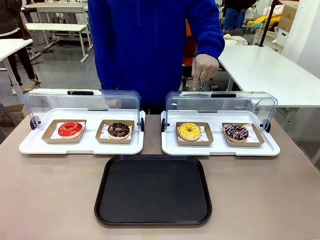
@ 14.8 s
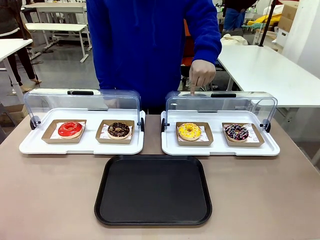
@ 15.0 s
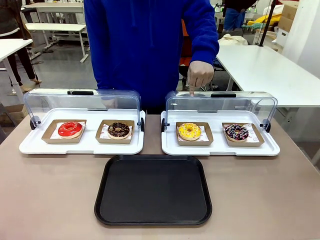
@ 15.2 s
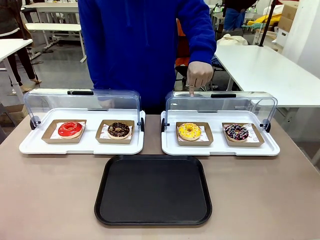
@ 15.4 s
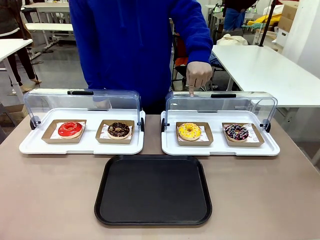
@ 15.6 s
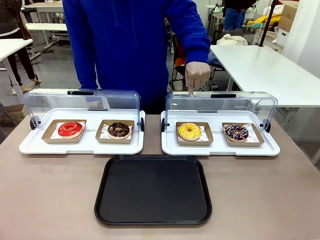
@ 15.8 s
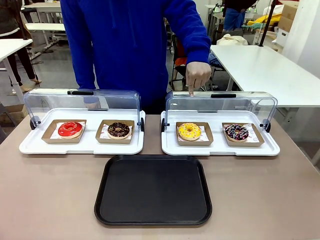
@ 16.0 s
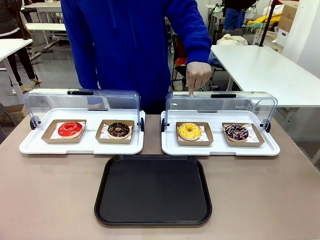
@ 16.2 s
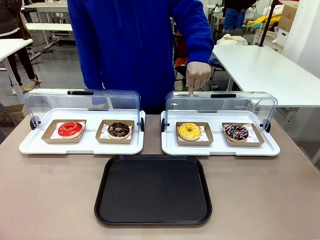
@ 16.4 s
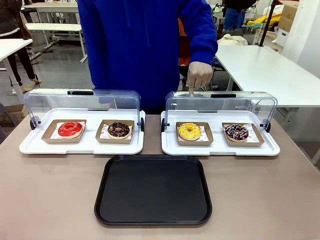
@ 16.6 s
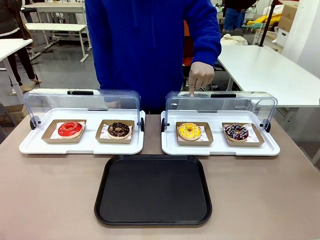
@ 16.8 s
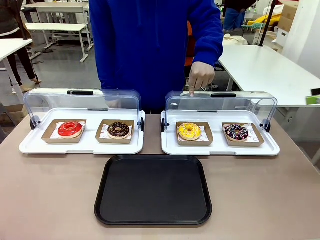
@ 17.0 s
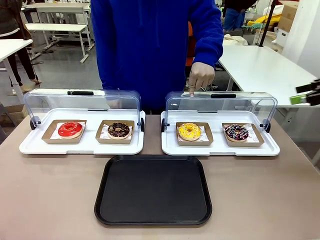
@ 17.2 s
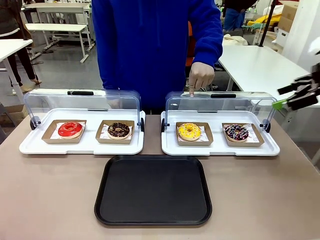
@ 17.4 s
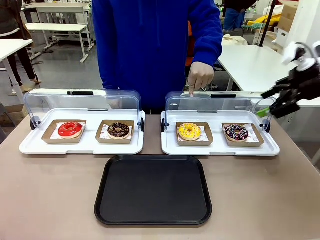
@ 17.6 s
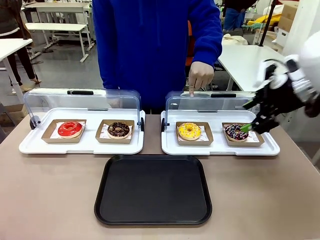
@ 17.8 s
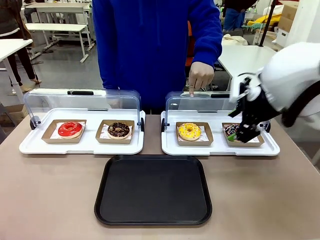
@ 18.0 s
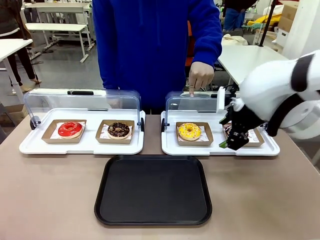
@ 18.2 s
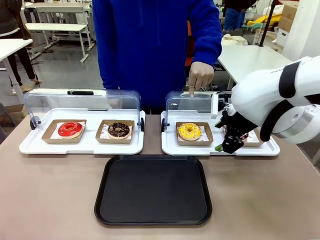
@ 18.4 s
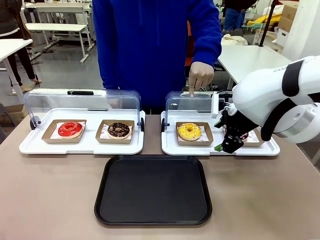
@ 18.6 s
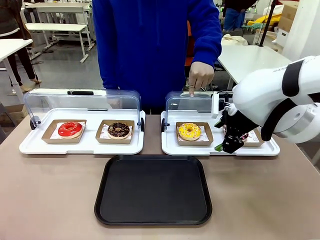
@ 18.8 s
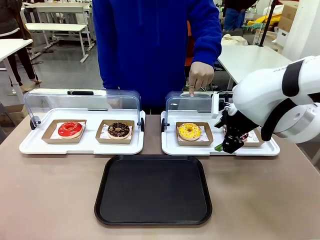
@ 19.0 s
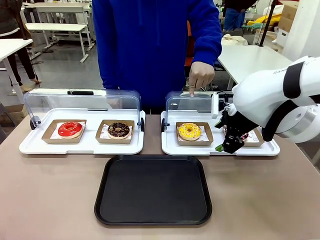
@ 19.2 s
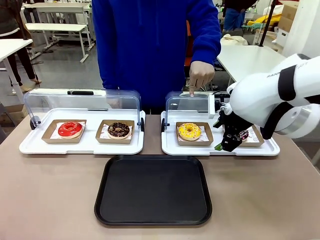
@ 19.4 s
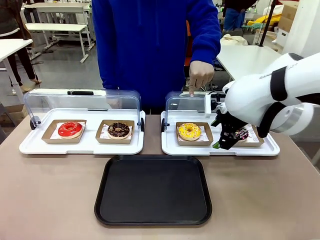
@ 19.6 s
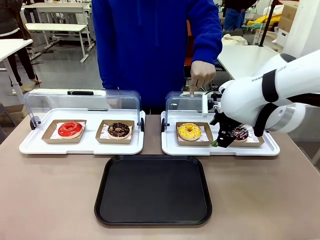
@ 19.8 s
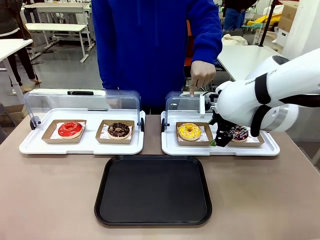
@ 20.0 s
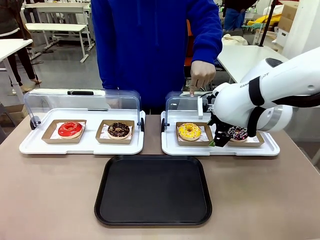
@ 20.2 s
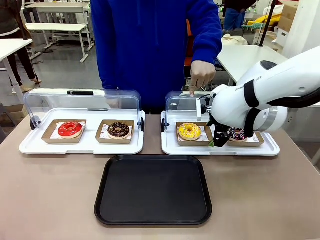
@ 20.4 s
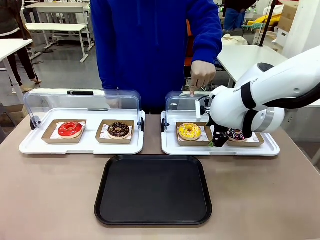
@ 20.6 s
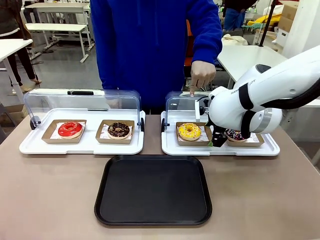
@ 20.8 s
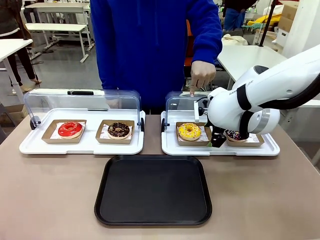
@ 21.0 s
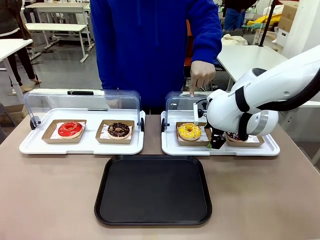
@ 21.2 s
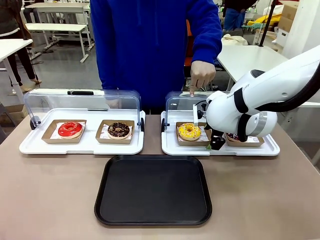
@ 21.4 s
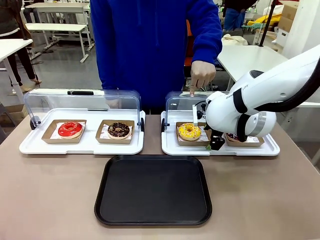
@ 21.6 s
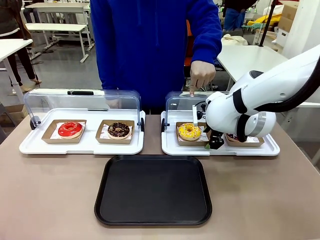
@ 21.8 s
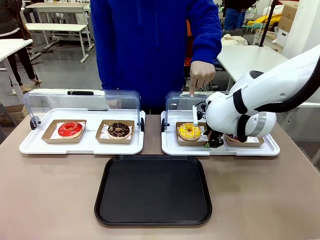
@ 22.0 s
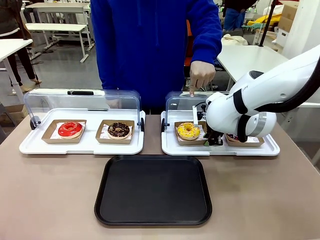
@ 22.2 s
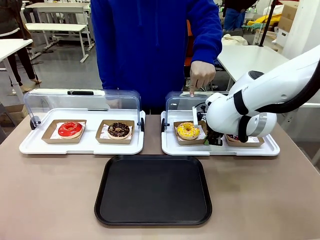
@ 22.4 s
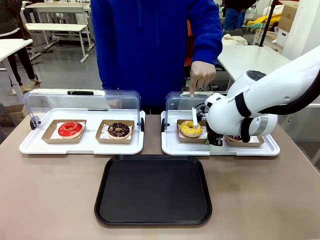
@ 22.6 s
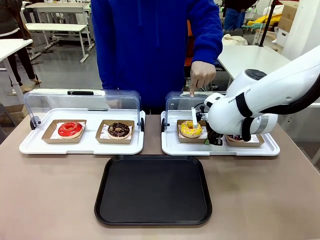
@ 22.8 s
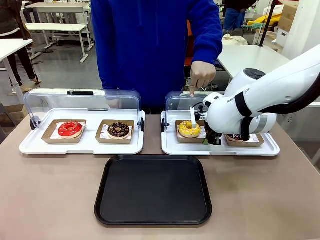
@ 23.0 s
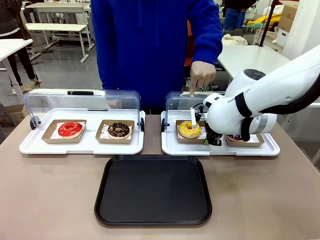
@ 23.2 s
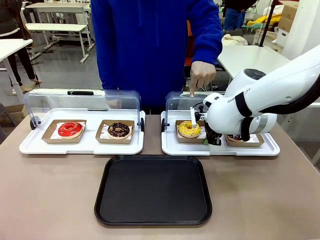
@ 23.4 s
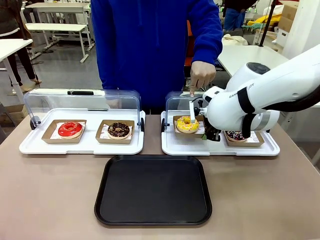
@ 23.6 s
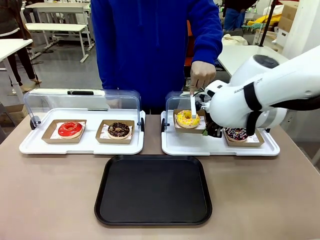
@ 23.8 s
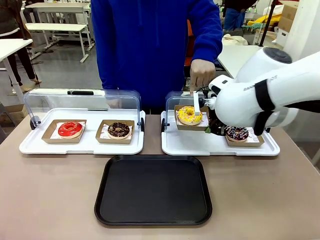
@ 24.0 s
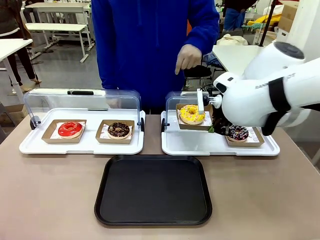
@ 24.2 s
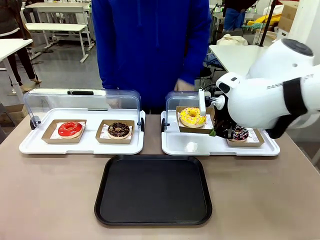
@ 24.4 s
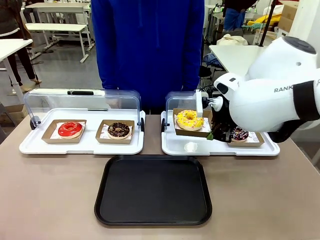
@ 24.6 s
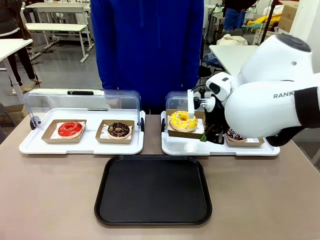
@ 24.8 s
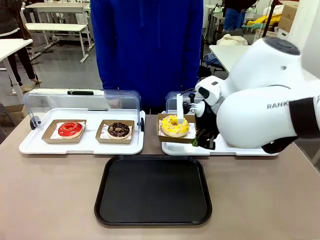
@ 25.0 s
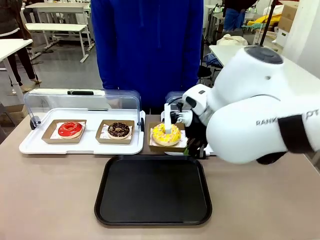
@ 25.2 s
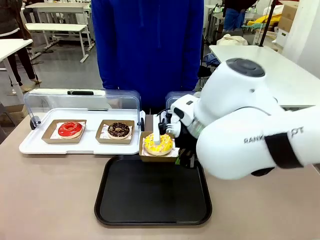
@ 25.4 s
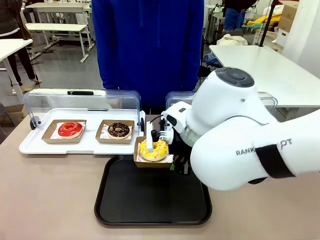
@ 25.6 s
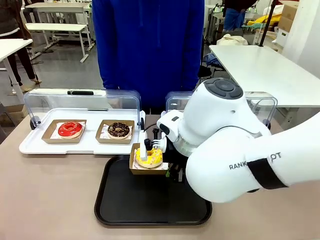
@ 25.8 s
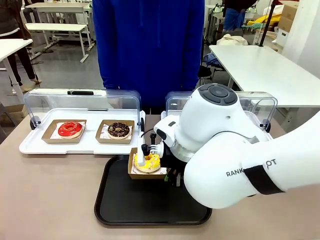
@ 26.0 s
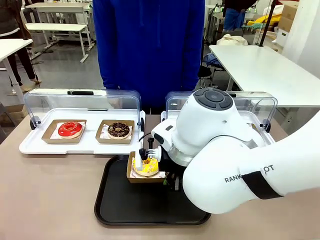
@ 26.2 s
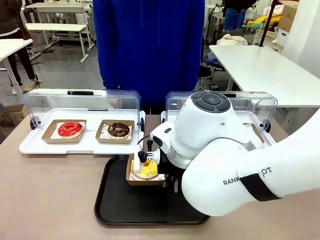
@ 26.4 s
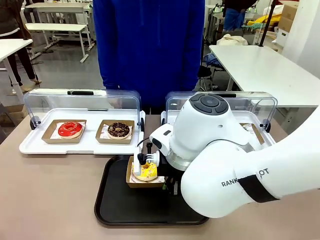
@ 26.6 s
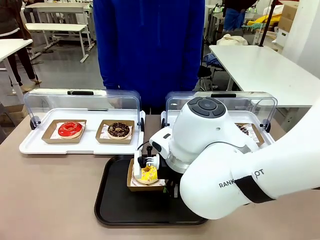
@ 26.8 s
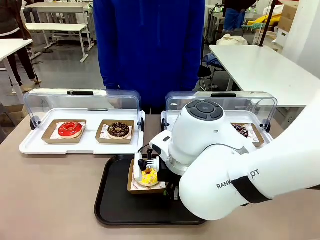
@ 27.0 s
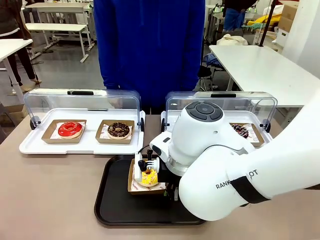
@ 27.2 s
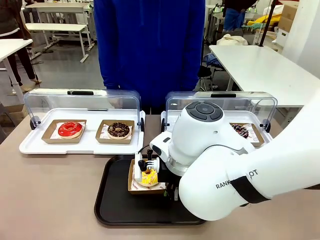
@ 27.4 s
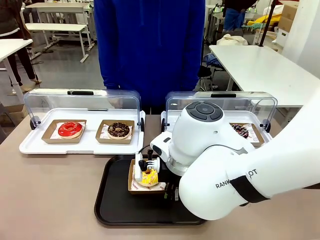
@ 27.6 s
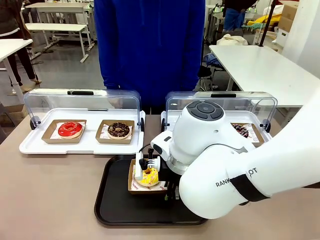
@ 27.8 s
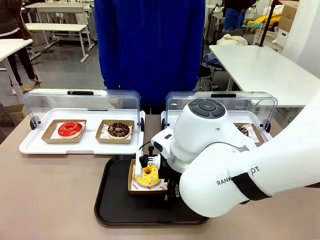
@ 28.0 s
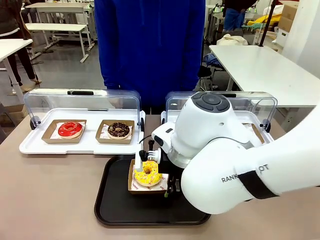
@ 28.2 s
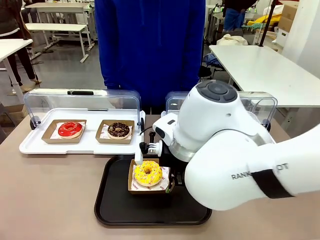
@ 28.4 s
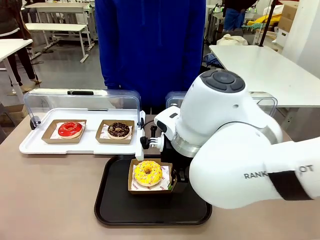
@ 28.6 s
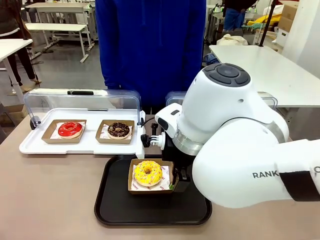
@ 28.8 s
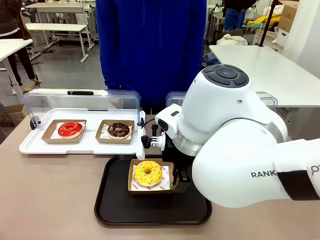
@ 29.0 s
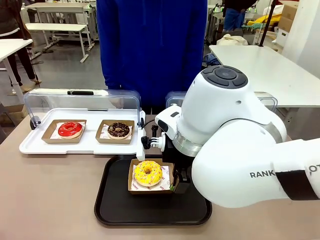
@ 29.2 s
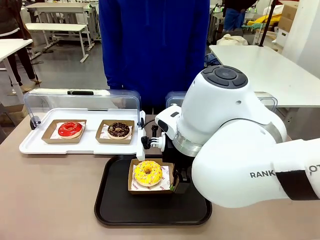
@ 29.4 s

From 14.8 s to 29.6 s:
Task: Move the third donut from the left to the tray.
Robot: Pick up the Paper togo box containing the Donut indicated by the person and place it on the Handle tray.
